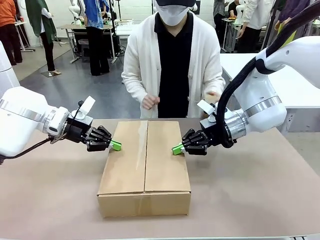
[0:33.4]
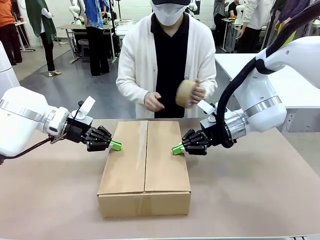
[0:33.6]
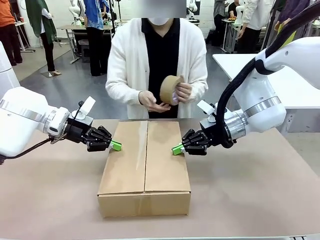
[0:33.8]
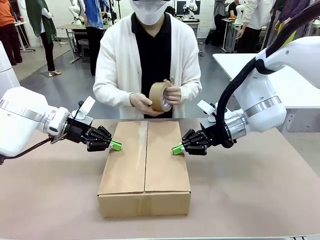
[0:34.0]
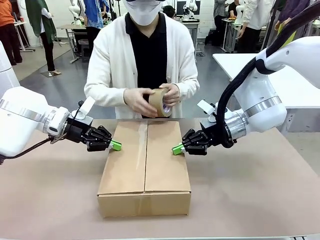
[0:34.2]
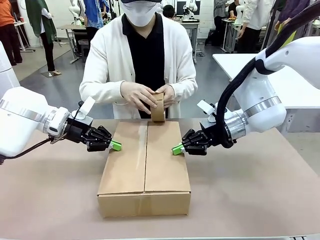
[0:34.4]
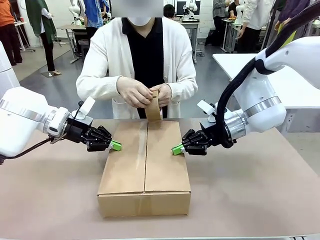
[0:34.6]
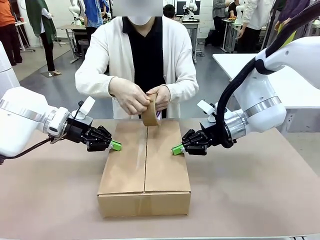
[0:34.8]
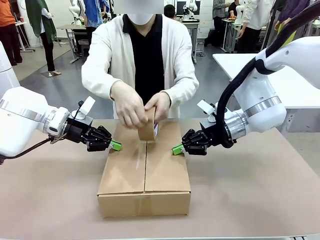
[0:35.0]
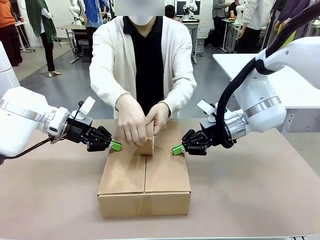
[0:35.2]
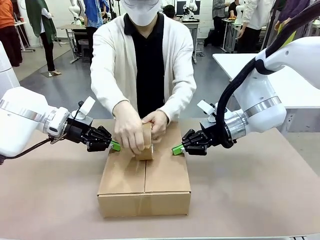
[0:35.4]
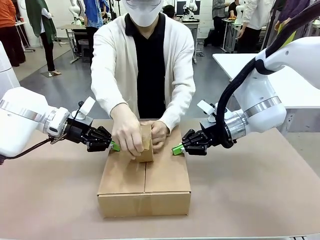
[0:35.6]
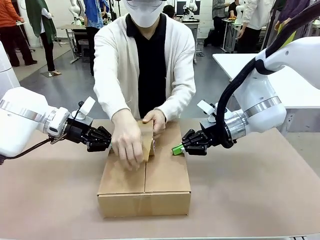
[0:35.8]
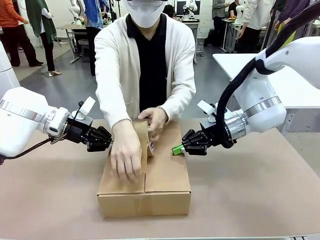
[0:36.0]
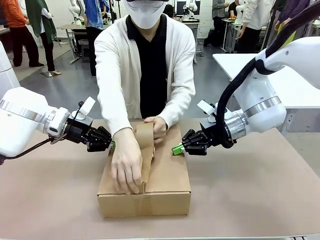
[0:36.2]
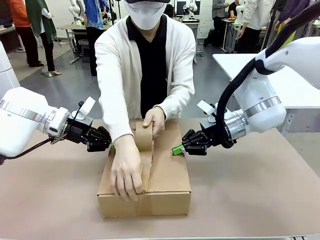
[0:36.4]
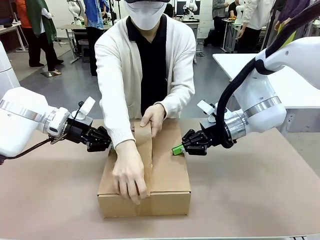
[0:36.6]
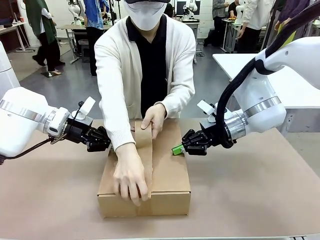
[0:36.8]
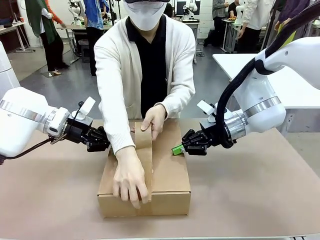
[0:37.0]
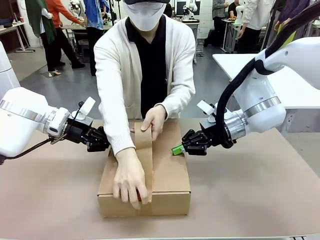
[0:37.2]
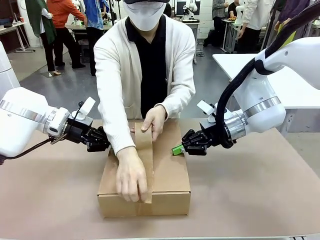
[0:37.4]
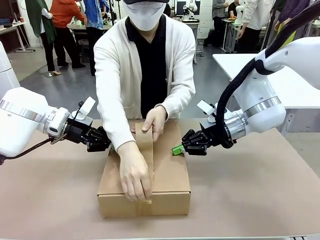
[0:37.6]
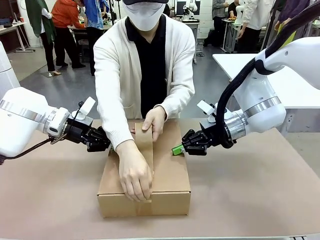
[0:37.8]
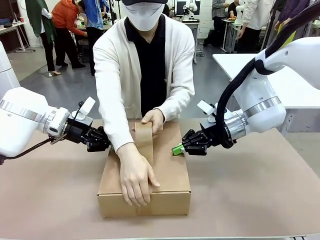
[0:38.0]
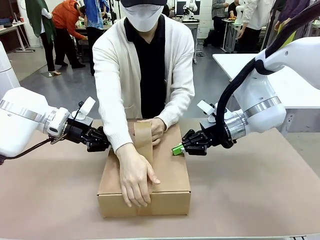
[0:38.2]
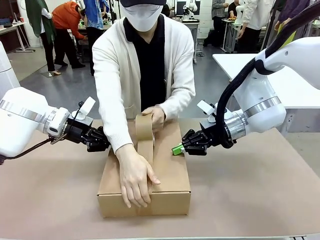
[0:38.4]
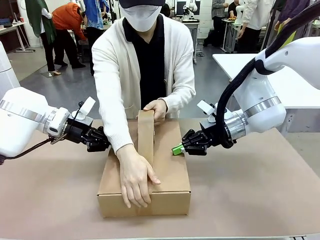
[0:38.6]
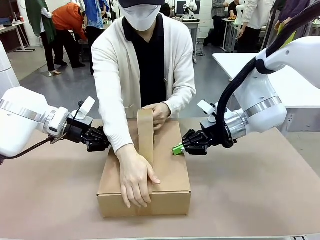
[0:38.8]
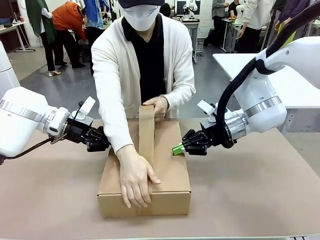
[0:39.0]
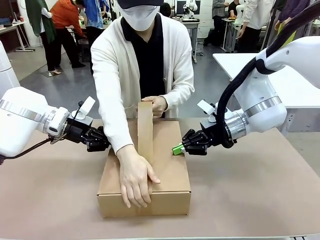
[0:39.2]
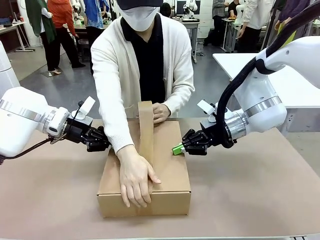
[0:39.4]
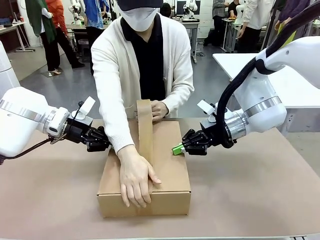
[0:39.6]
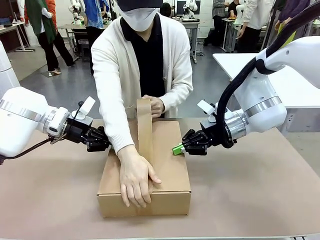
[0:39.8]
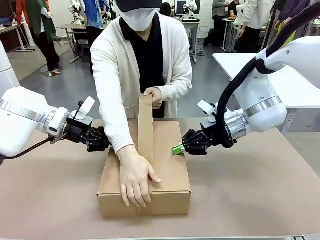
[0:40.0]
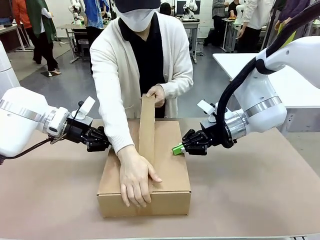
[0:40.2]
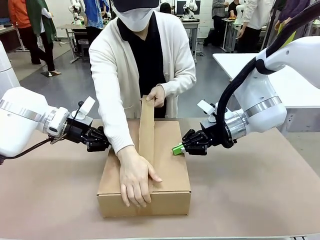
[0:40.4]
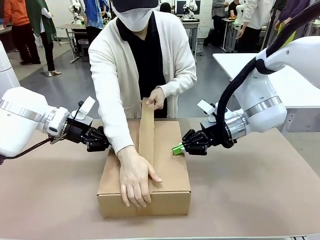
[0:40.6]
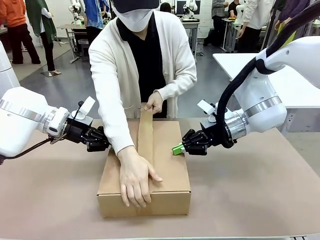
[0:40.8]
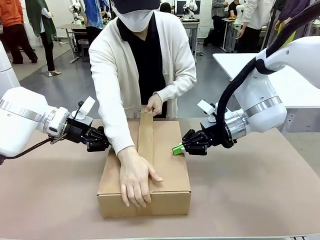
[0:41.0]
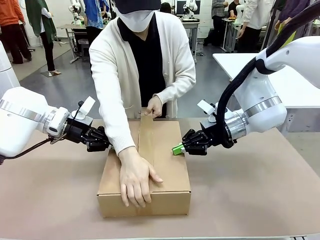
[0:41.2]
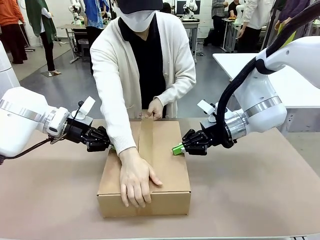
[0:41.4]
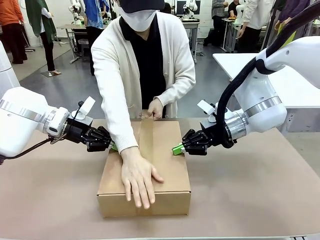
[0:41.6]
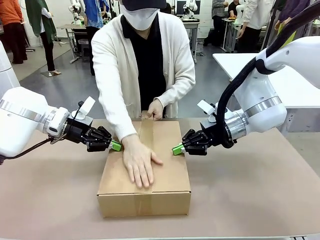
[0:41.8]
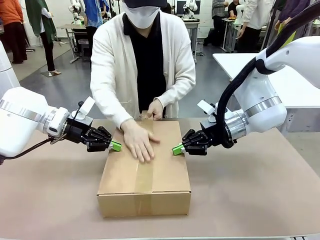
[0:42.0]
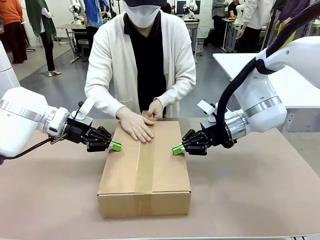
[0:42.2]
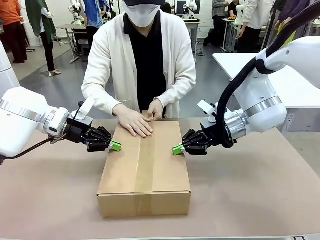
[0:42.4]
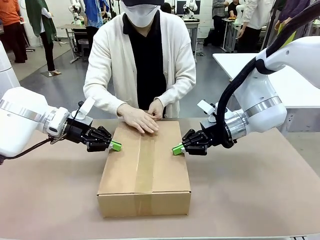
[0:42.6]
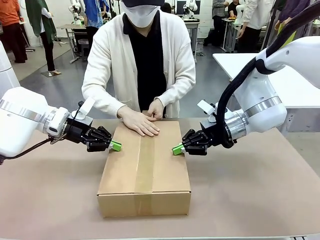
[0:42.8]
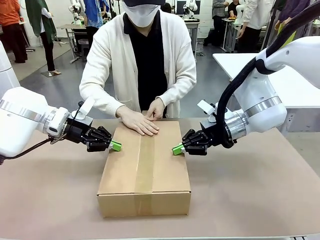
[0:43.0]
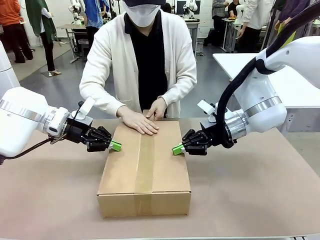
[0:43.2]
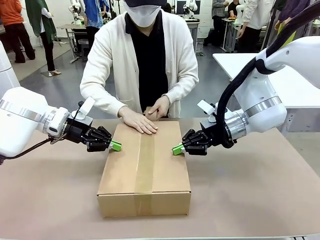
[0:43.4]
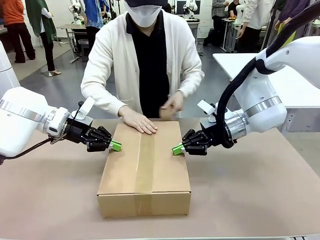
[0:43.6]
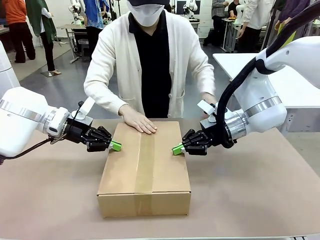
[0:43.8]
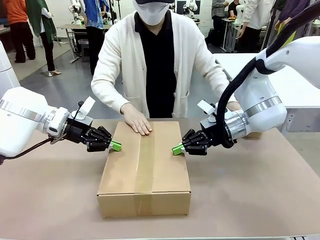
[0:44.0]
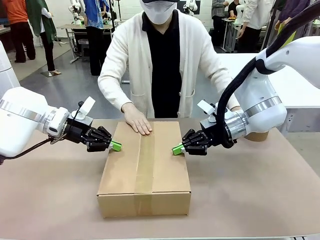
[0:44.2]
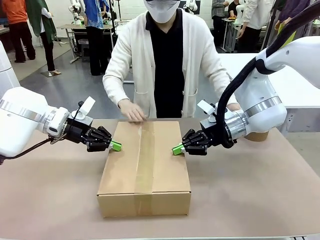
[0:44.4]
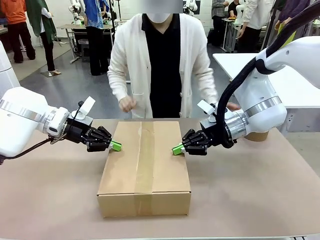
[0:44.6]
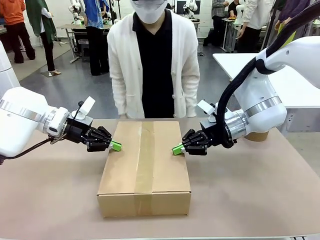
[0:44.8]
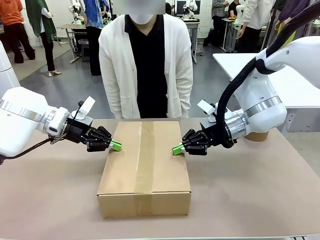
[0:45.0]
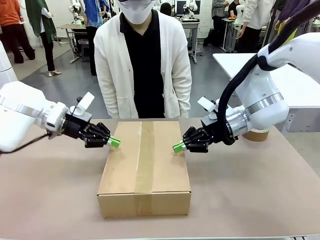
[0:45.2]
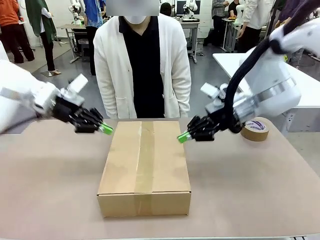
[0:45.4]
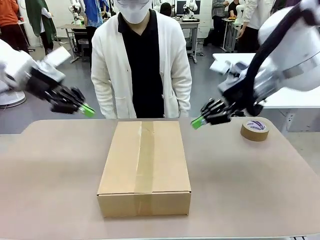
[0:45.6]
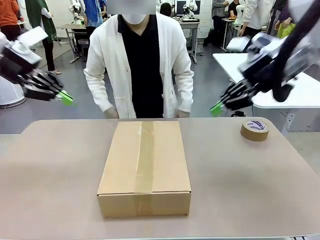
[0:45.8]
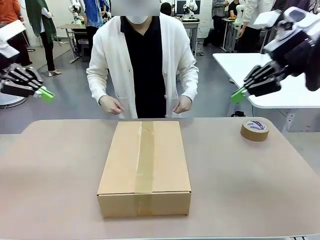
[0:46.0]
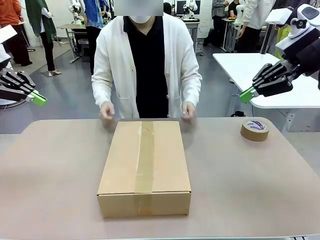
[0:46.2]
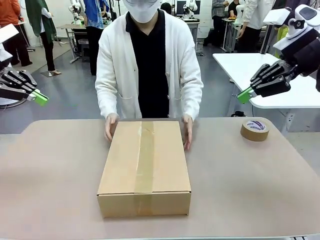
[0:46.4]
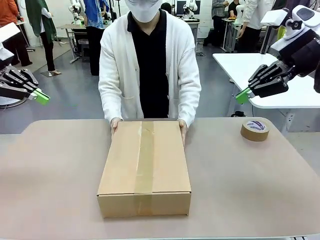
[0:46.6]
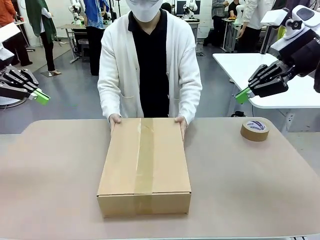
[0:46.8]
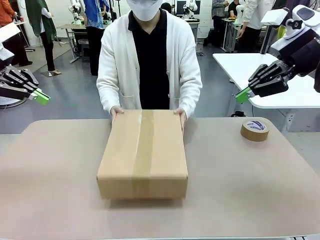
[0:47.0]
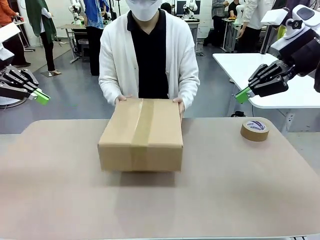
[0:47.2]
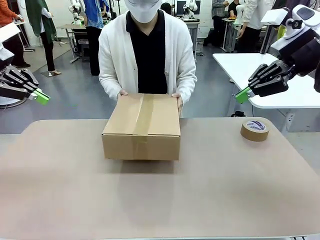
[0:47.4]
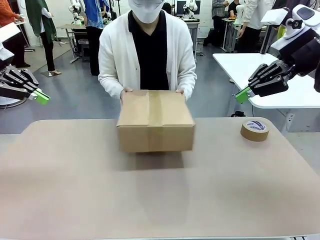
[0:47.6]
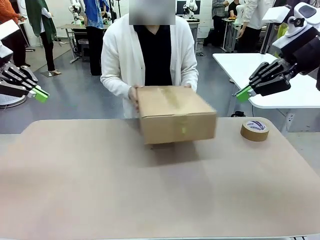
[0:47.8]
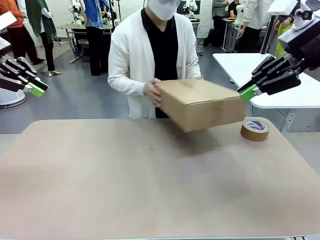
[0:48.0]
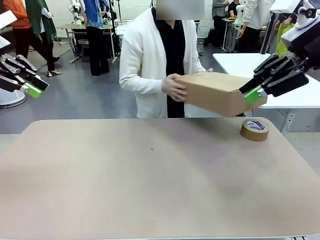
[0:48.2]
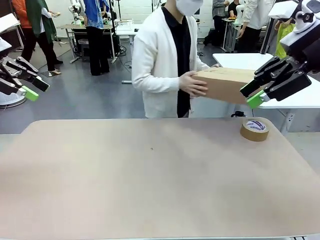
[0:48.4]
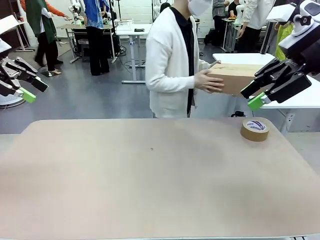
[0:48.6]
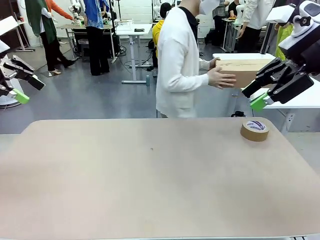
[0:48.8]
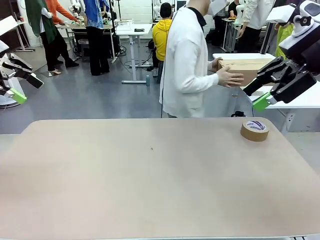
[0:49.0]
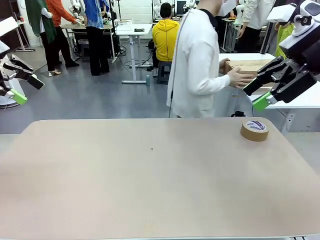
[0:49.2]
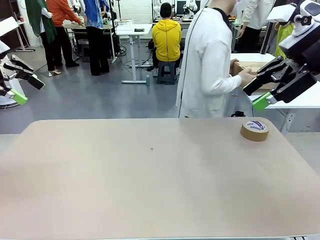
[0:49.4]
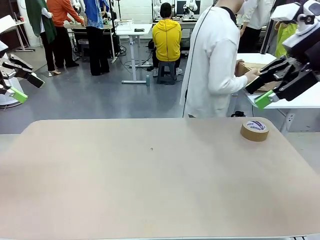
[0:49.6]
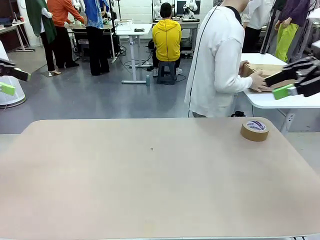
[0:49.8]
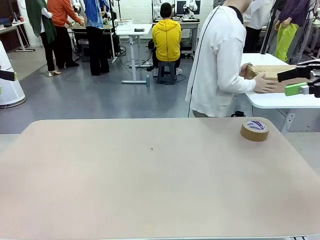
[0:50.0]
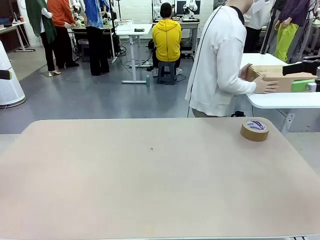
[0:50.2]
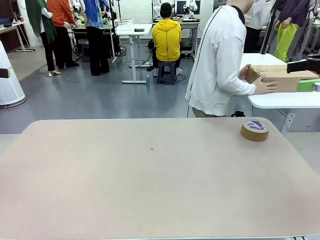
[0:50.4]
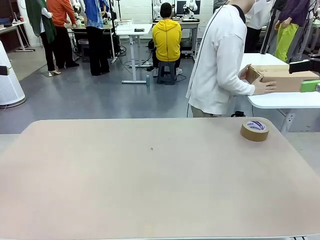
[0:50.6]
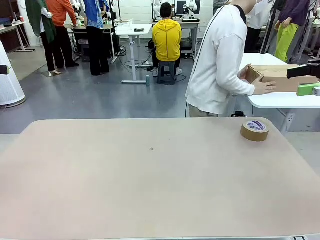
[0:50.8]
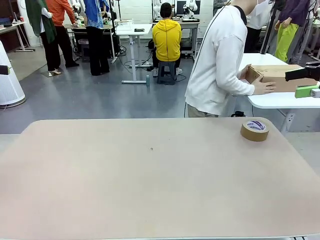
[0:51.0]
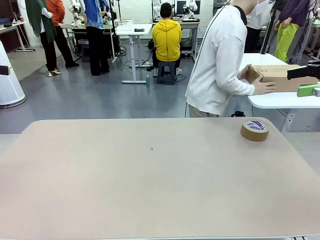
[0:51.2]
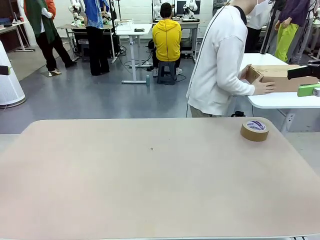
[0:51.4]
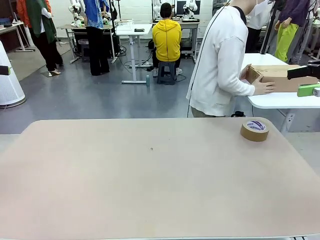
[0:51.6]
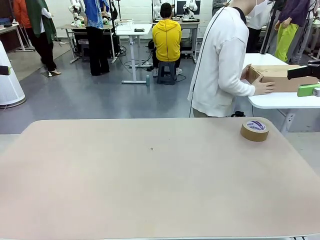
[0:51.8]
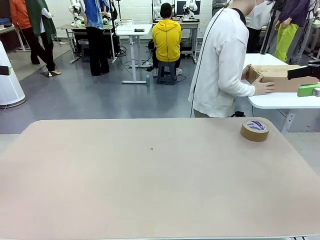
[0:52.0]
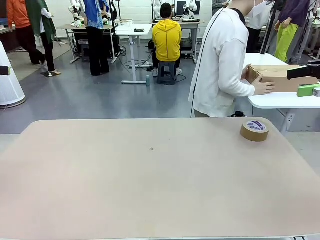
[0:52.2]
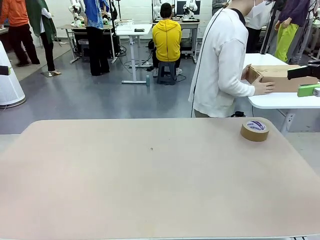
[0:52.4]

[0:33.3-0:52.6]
Task: Wrap the clocks to prevent damage.
Robot: After the human seals the box with tape, release both hands from the side flaps of the Package Box.
Person: Once the robot closes the left flap of the Package Box , seal the box with Paper Tape. Place sealed Package Box in the middle of the human's table.
